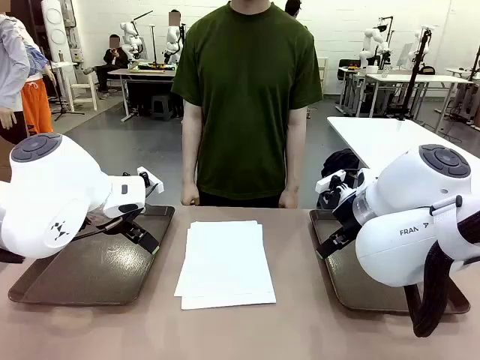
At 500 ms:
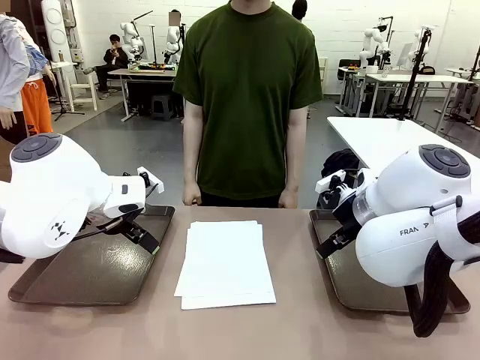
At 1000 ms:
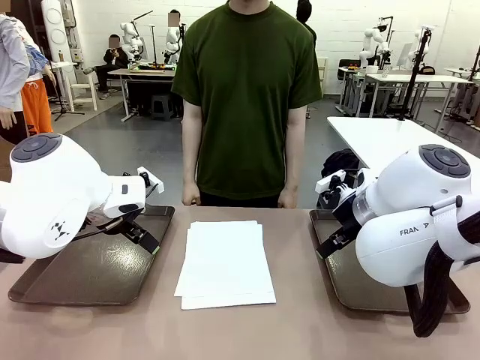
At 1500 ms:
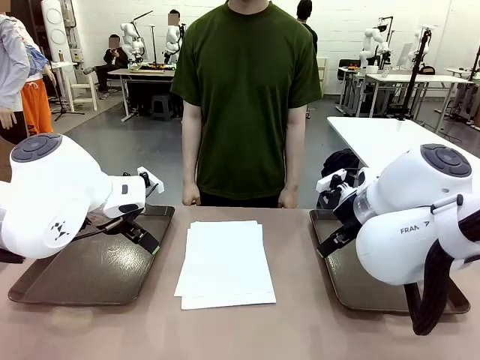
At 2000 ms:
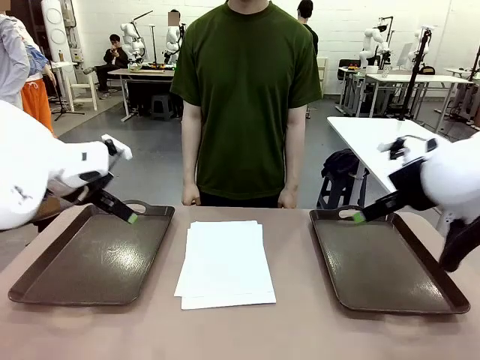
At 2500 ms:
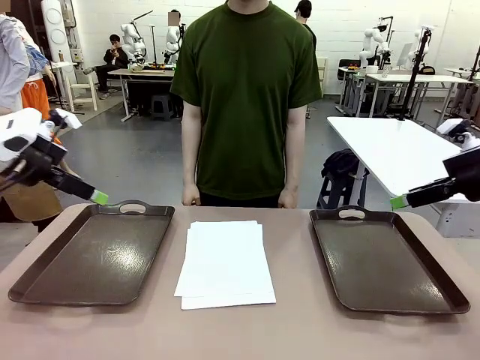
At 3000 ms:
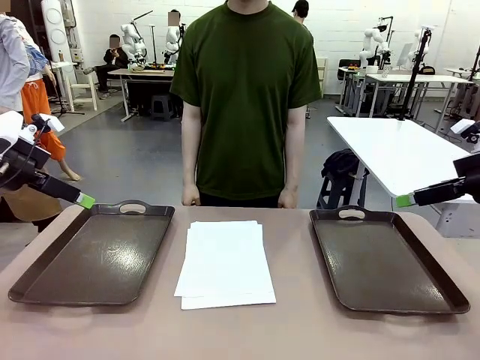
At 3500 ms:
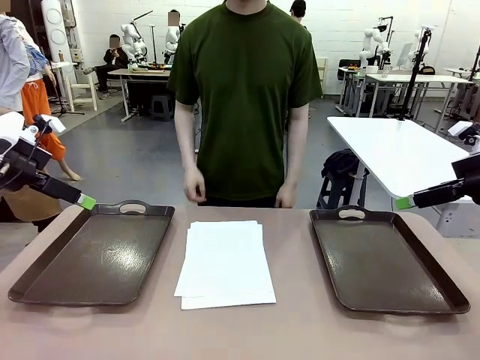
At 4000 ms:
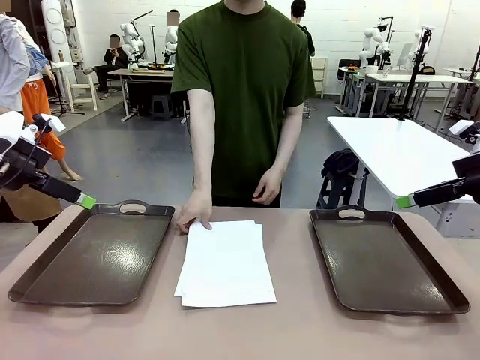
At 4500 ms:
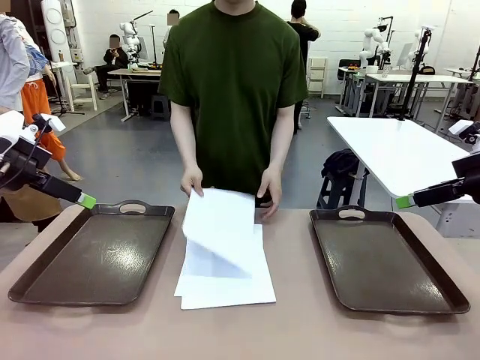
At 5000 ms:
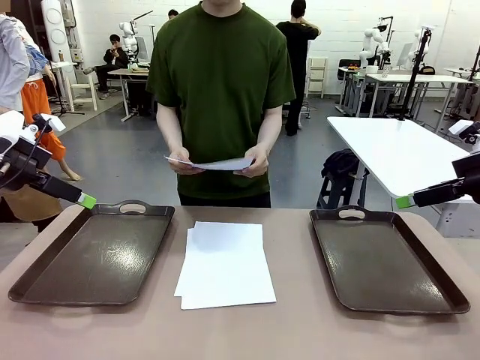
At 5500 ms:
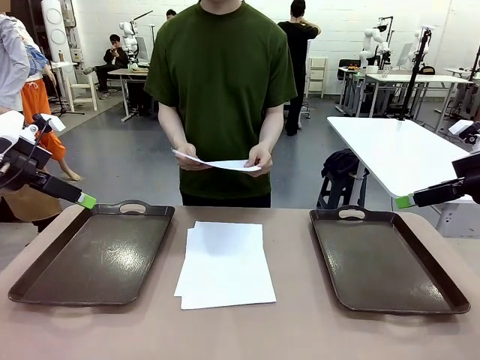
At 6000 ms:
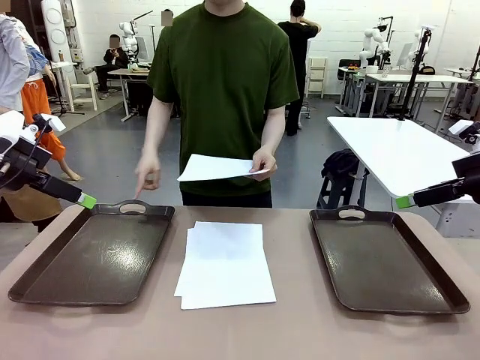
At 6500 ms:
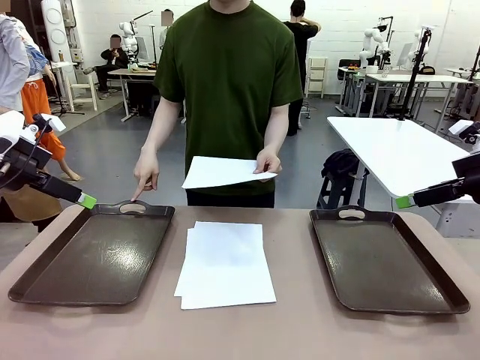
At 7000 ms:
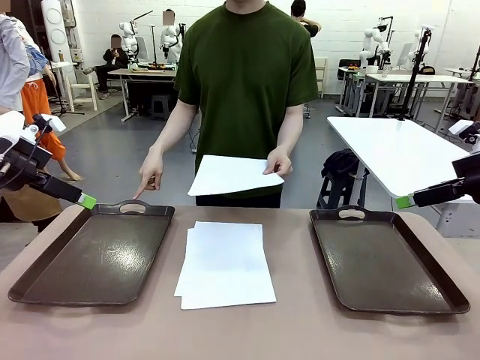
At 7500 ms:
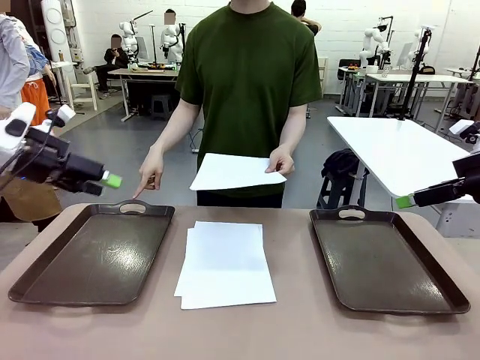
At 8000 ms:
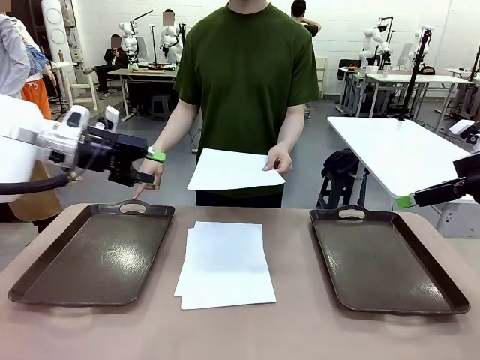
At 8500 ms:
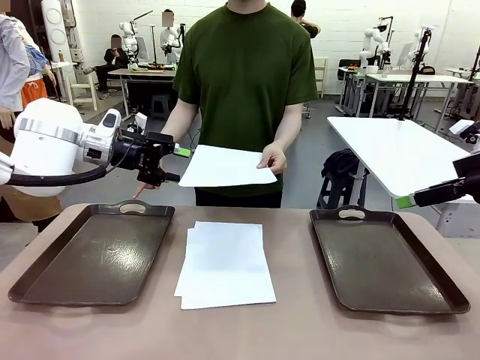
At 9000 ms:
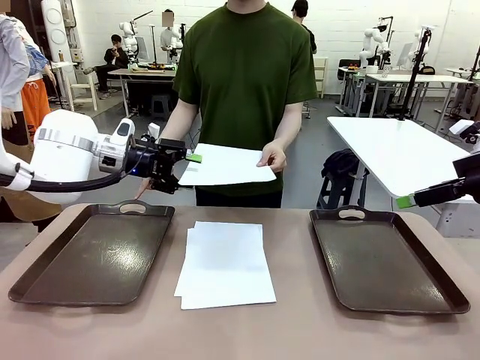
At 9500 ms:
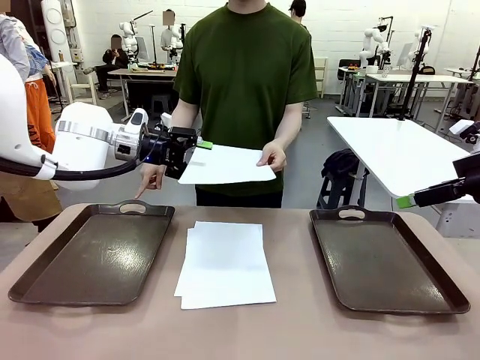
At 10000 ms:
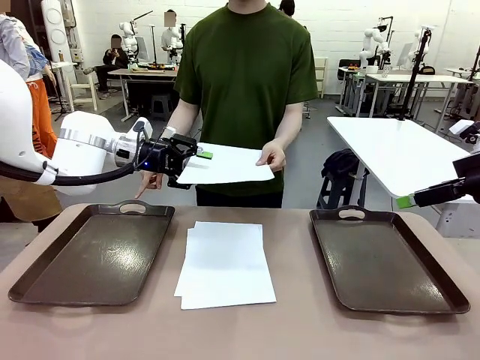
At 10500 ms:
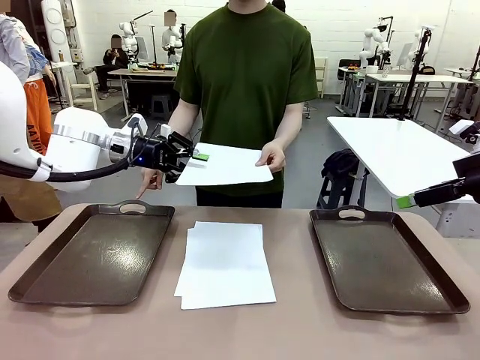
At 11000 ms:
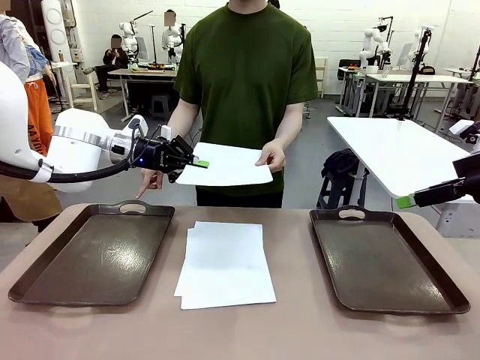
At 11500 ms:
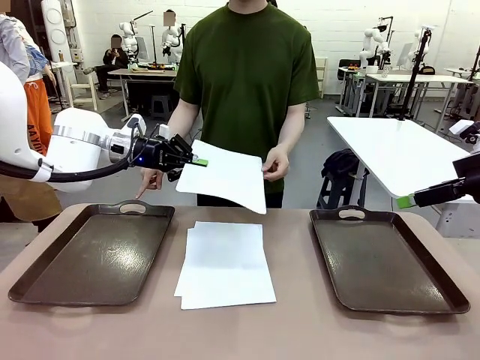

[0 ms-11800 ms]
Task: Sort the A4 documents.
Robot: Receive the A4 Paper.
Person: Pick up a sheet of paper from the center of the table and hand it to the robot. Point the randomly selected tray with the other hand.

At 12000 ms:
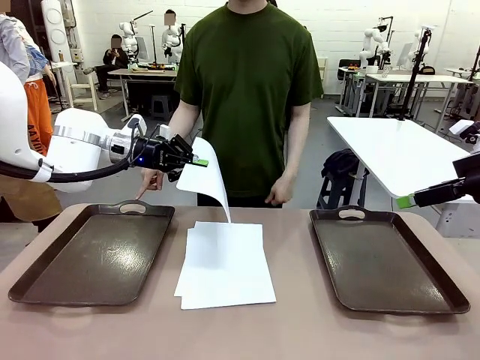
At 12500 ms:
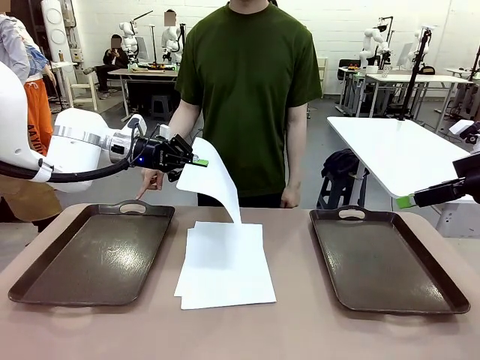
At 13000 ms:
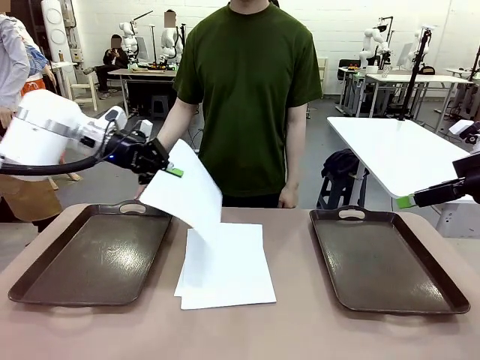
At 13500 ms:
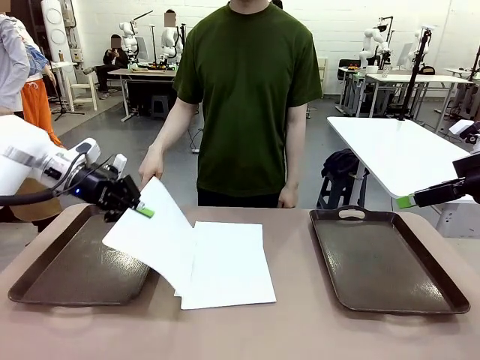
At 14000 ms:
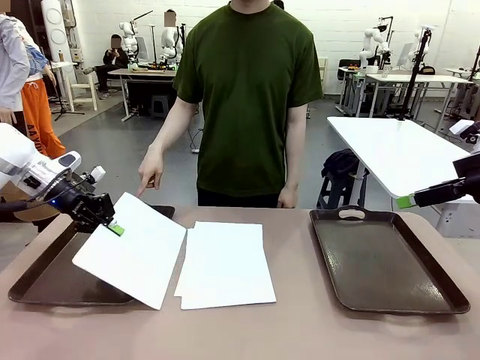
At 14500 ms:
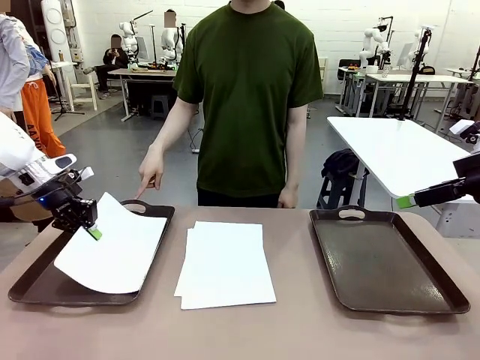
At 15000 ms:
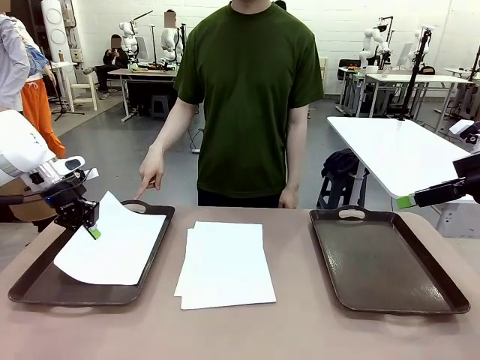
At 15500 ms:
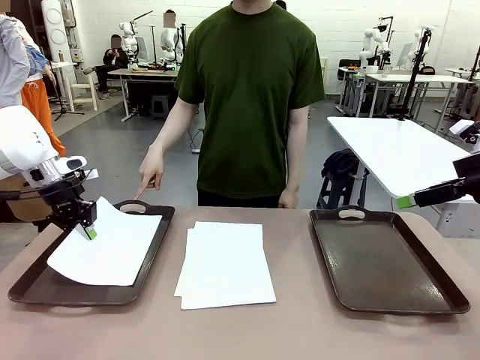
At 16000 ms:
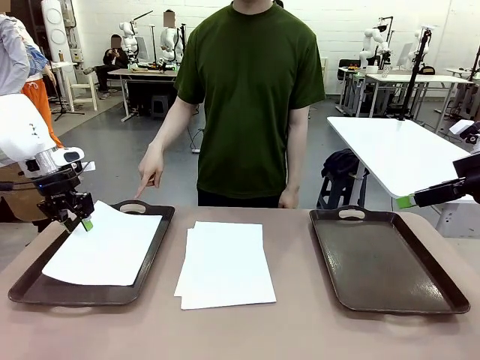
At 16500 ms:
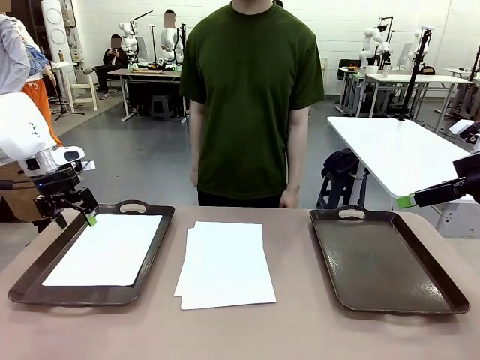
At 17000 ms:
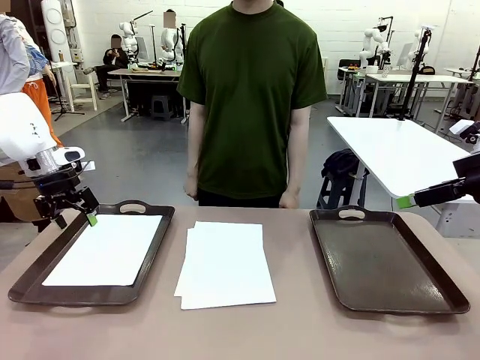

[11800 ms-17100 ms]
Robot: Place the A4 Paper in the designated Handle tray.

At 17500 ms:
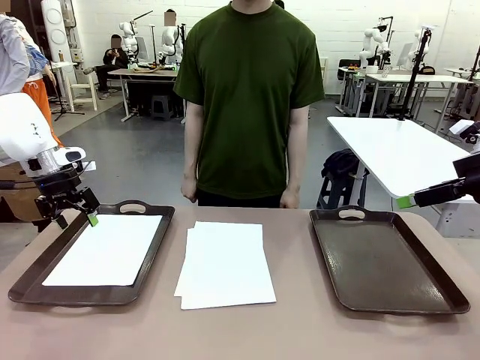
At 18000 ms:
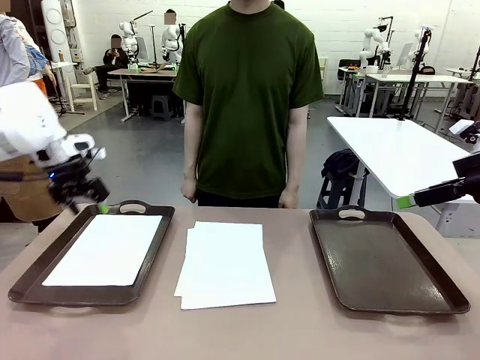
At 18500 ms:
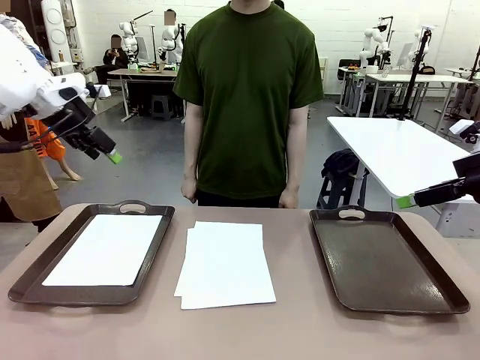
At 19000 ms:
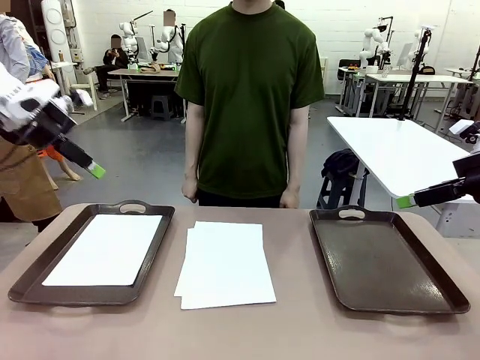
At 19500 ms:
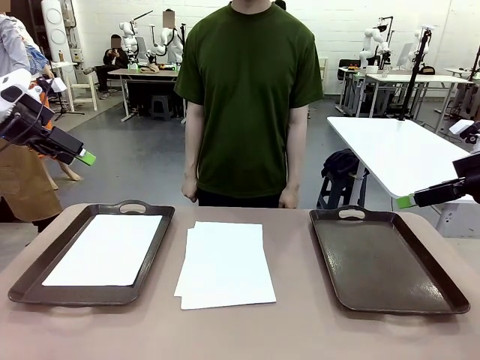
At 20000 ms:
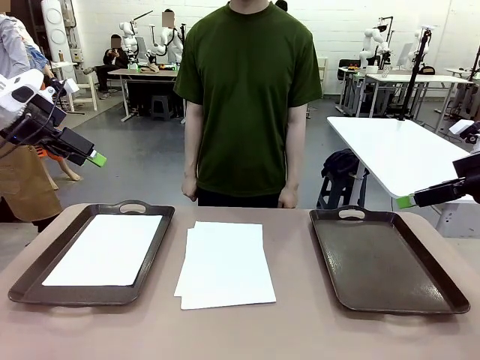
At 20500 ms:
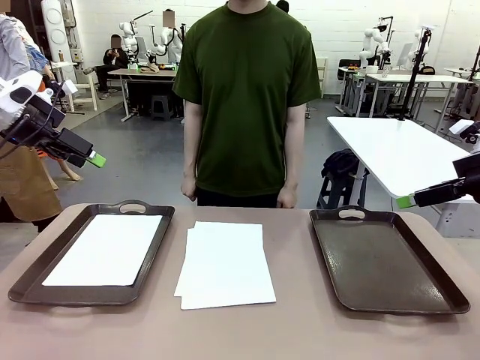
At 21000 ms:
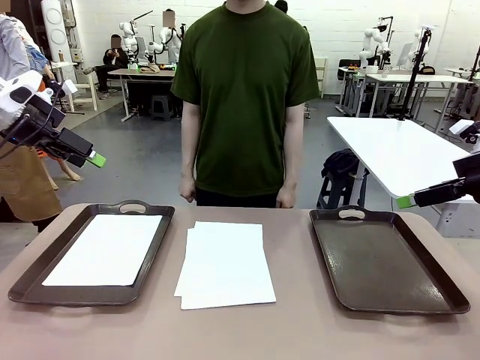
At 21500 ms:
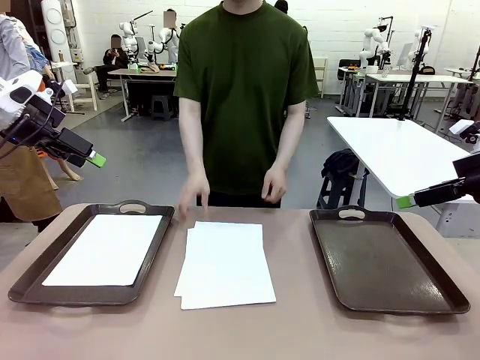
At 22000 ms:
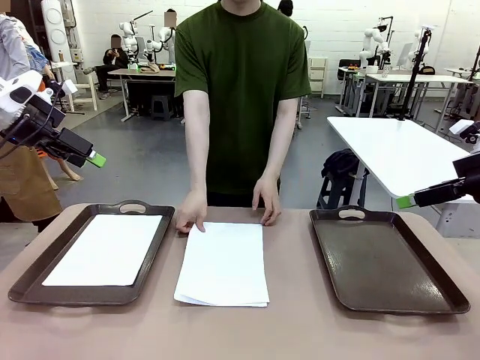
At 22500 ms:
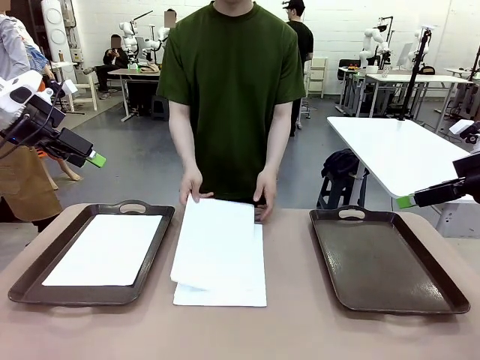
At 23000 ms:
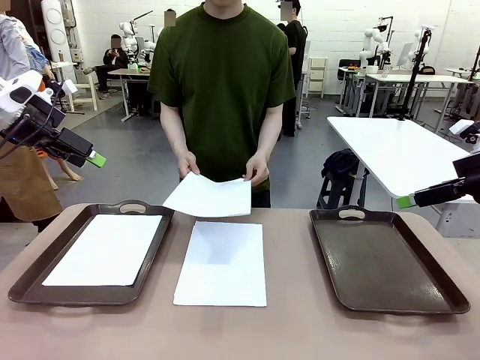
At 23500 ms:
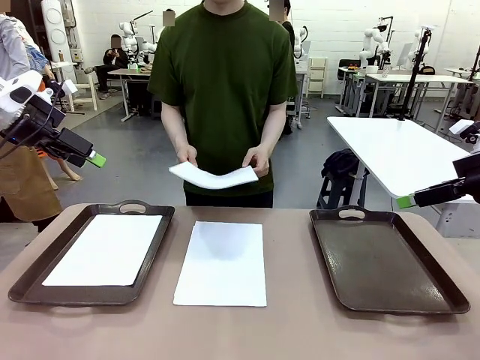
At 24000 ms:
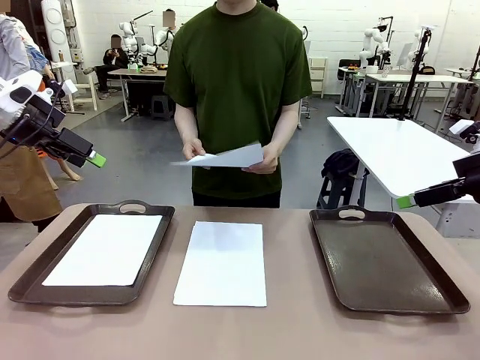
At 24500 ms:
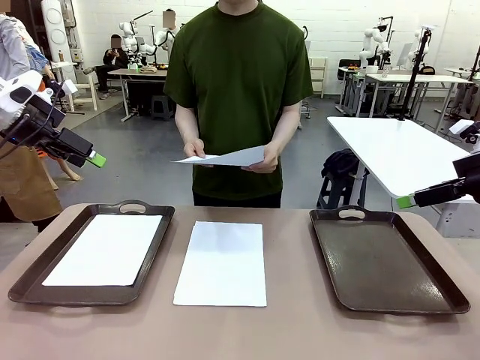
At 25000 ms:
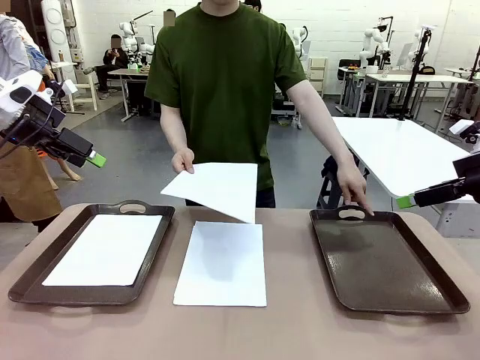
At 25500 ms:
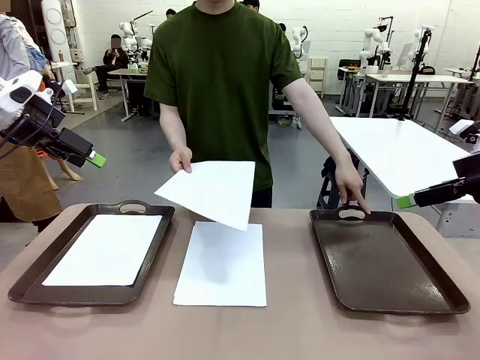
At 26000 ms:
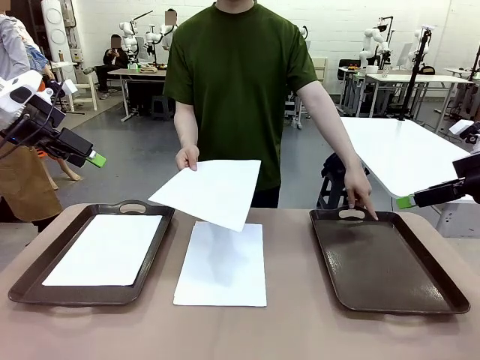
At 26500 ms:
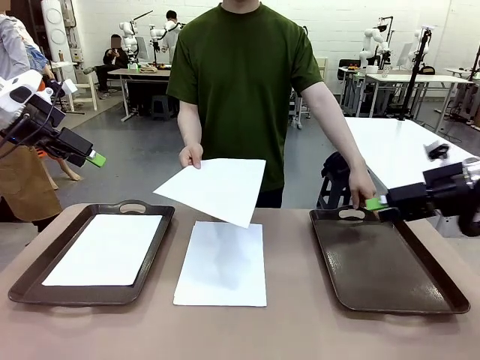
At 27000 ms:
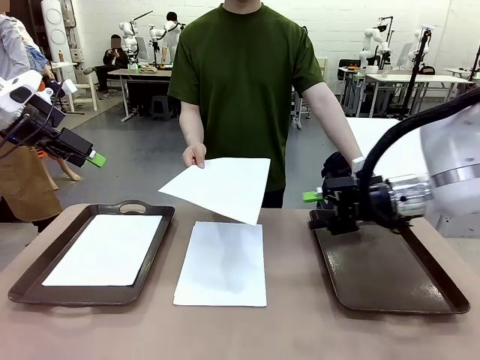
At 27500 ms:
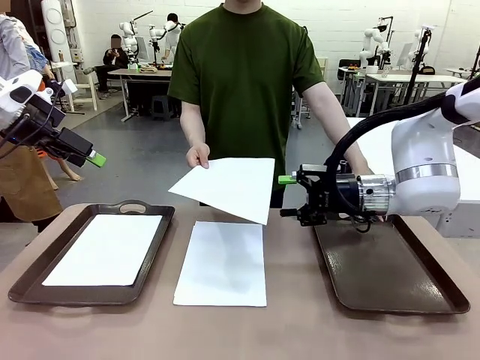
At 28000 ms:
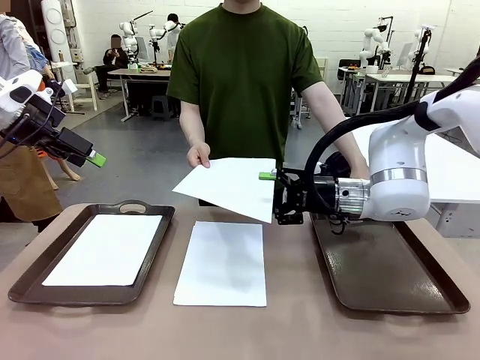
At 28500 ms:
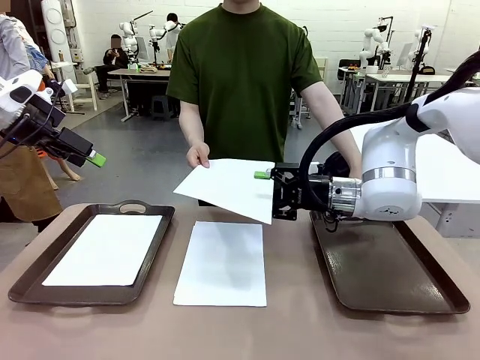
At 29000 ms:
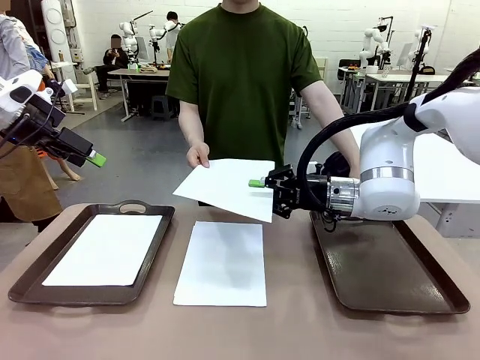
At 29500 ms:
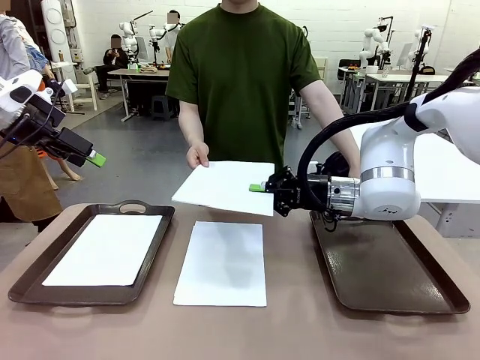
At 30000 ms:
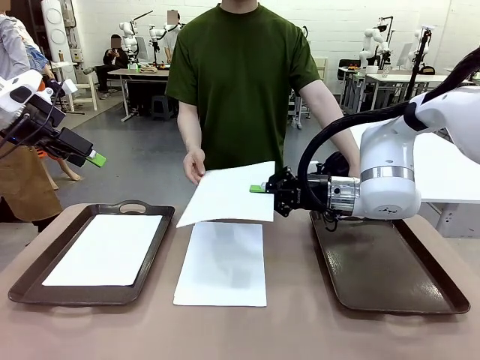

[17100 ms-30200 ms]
Robot: Receive the A4 Paper.
Person: Point the randomly selected tray with the other hand.
